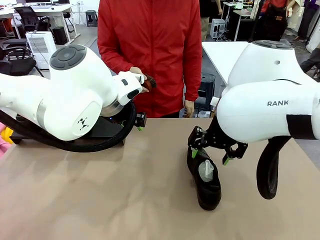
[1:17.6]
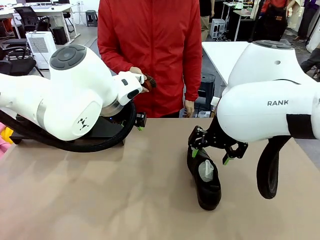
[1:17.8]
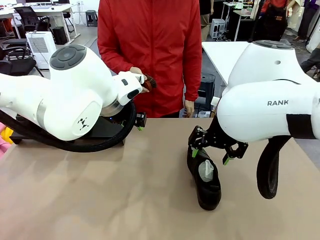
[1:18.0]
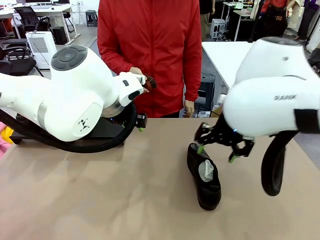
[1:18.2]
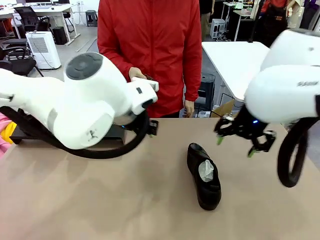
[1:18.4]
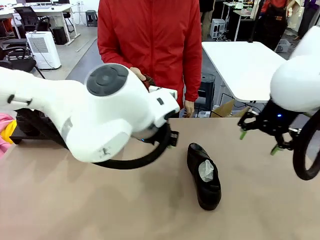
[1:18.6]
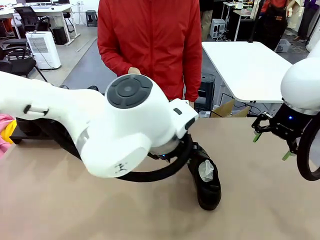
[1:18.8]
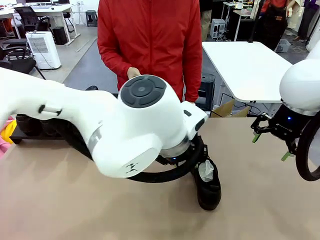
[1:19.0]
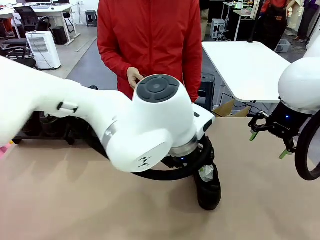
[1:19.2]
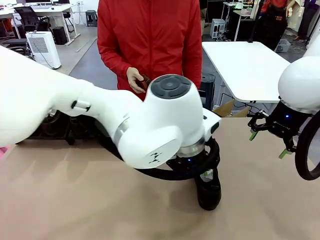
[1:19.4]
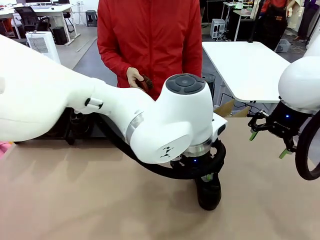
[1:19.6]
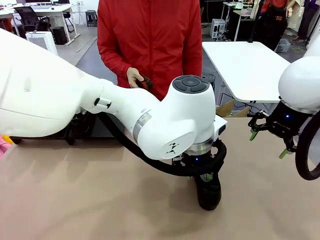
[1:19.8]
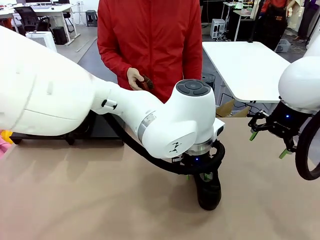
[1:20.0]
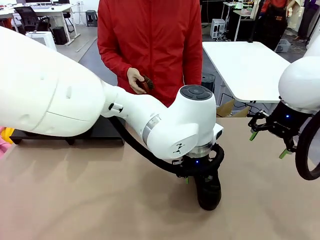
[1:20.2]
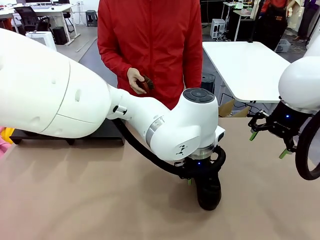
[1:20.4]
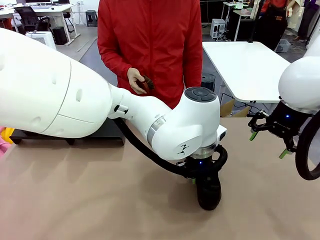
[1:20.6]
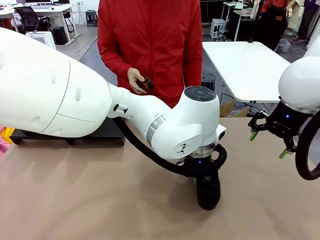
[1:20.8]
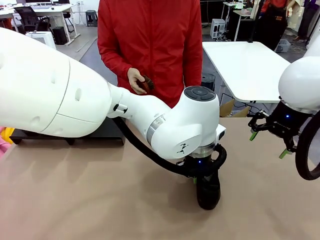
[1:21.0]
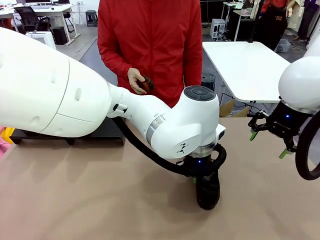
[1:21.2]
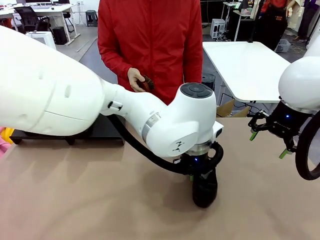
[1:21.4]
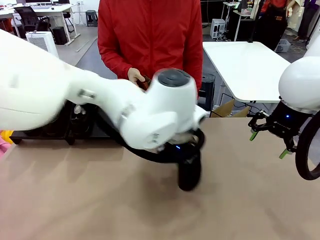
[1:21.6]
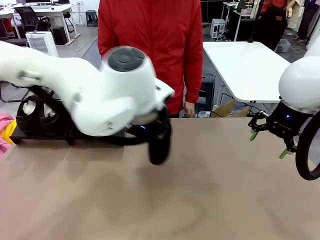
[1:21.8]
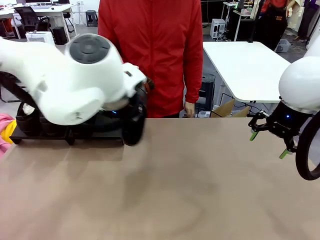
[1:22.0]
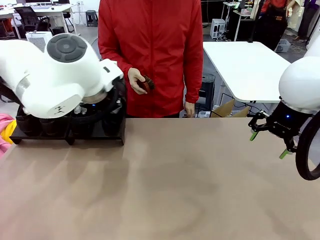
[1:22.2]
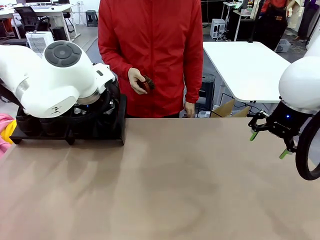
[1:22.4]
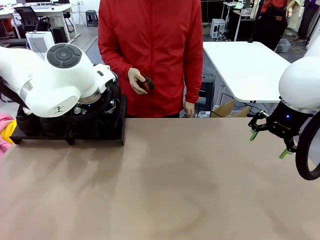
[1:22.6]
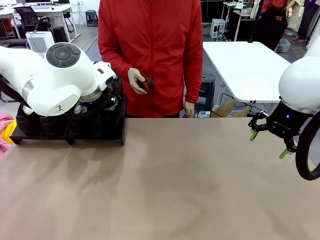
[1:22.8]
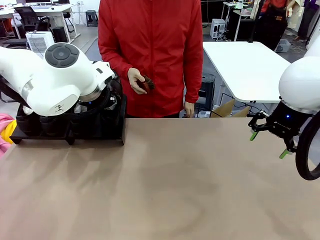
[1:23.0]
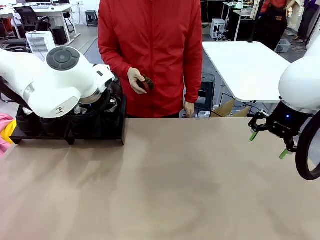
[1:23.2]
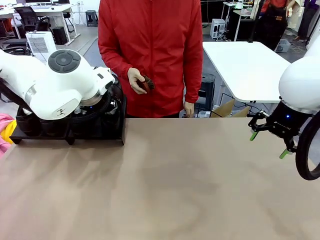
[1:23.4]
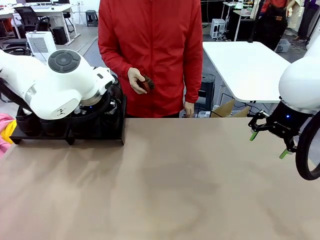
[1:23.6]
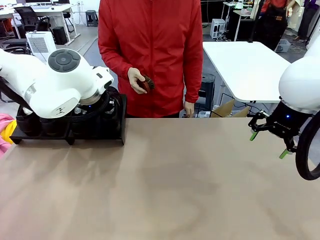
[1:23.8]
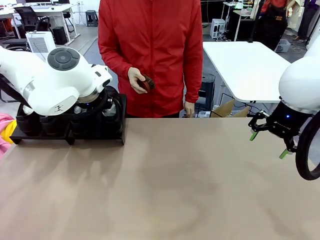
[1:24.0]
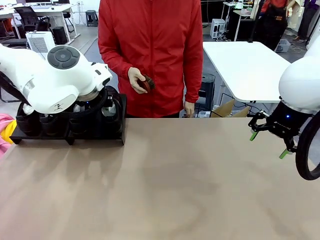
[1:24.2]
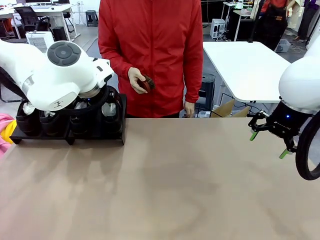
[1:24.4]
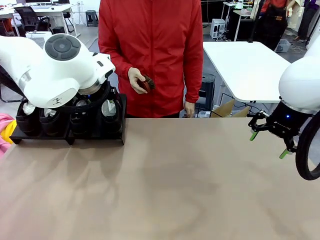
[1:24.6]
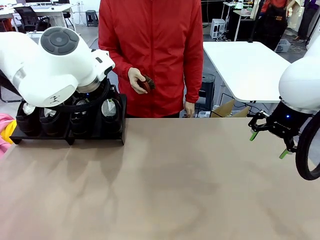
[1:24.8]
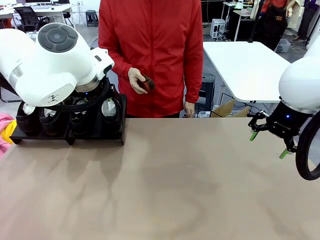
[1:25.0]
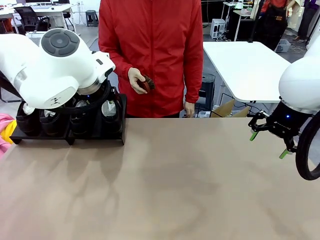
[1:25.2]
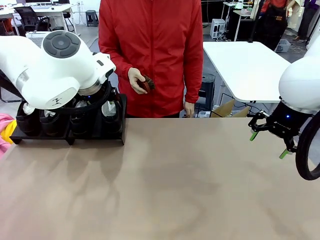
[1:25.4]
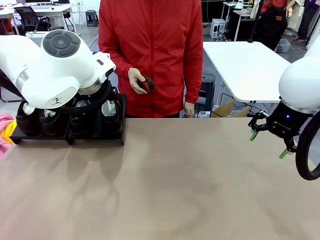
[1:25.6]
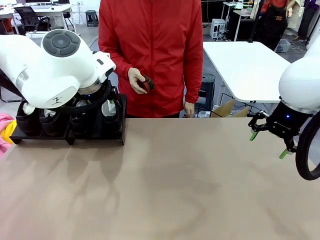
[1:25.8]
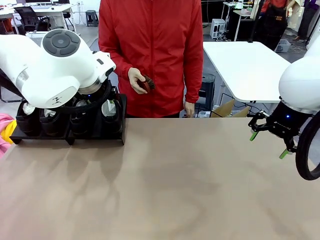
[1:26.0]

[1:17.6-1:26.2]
Task: Organize the shoes by placing them on the stand.
Robot: Place the Shoe from the middle of the table onto the Shoes Stand.

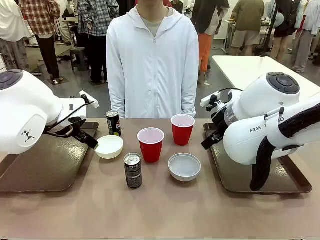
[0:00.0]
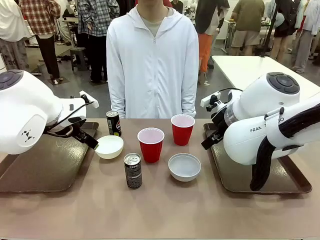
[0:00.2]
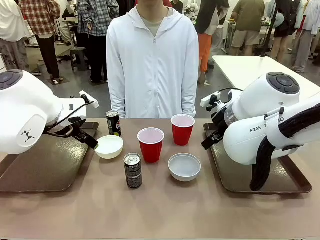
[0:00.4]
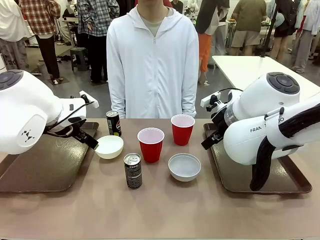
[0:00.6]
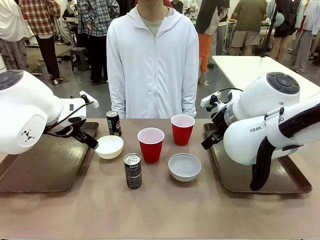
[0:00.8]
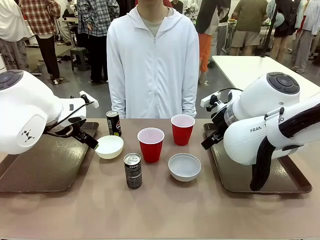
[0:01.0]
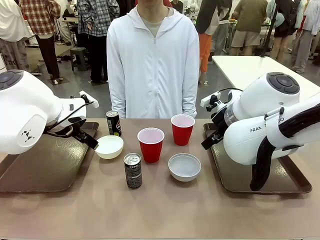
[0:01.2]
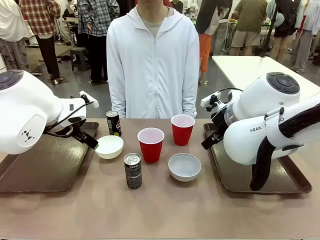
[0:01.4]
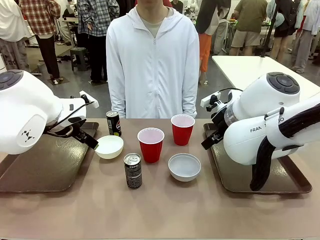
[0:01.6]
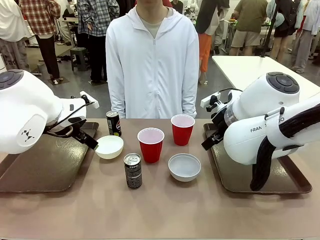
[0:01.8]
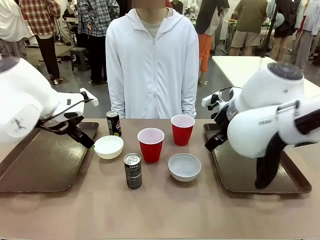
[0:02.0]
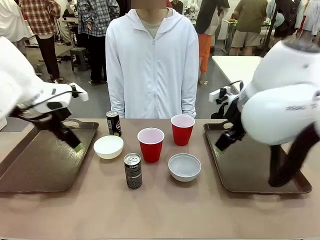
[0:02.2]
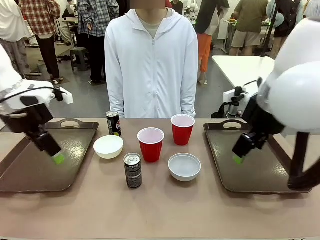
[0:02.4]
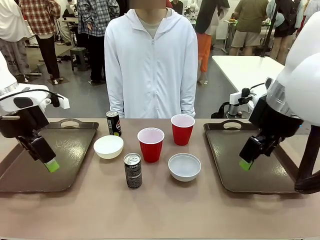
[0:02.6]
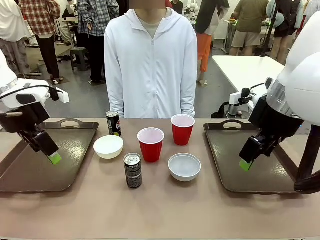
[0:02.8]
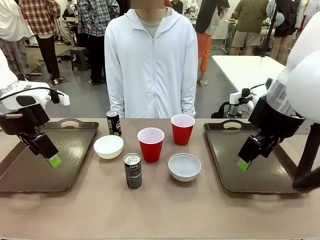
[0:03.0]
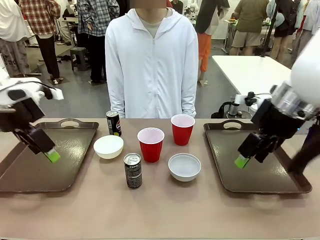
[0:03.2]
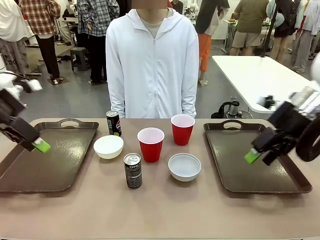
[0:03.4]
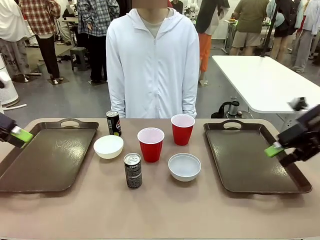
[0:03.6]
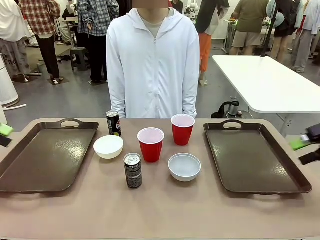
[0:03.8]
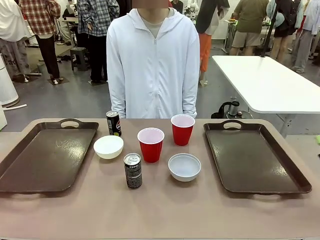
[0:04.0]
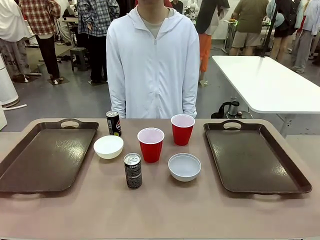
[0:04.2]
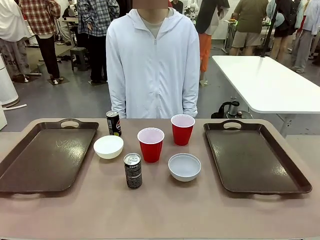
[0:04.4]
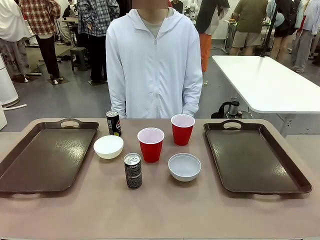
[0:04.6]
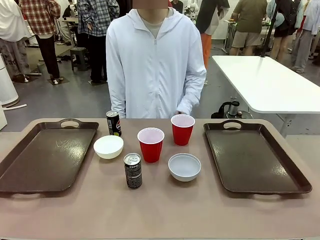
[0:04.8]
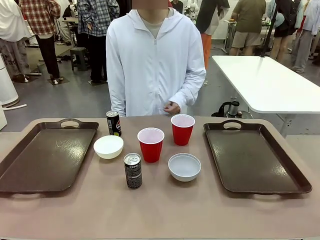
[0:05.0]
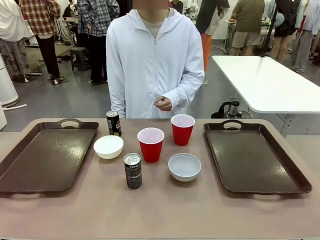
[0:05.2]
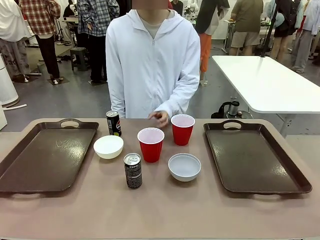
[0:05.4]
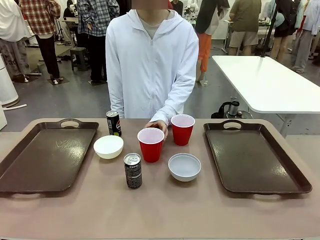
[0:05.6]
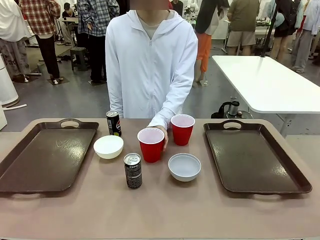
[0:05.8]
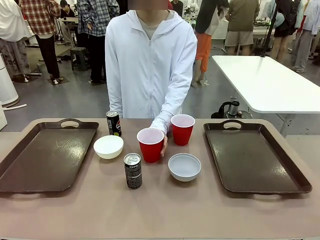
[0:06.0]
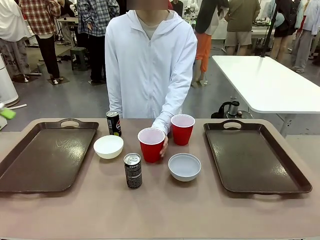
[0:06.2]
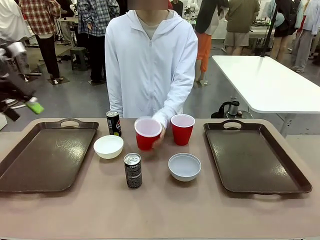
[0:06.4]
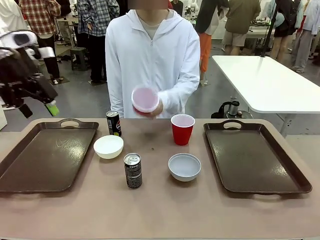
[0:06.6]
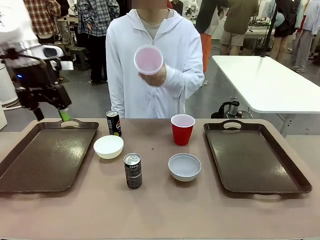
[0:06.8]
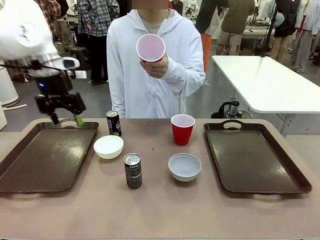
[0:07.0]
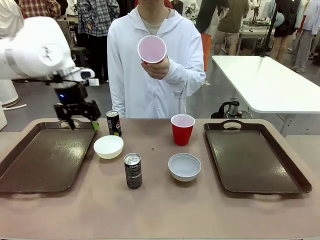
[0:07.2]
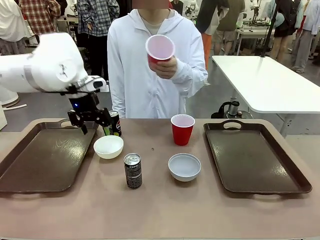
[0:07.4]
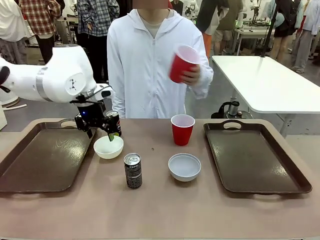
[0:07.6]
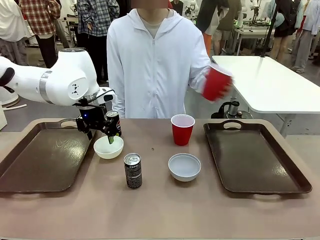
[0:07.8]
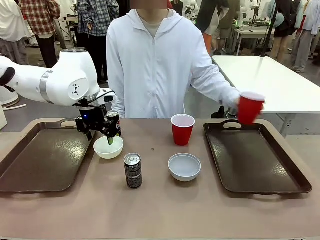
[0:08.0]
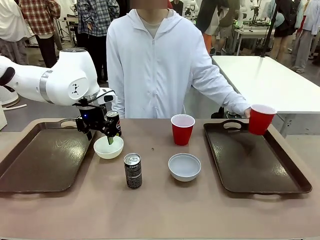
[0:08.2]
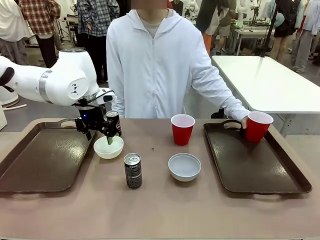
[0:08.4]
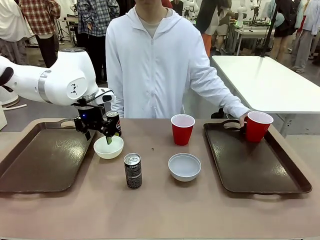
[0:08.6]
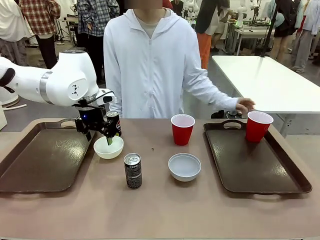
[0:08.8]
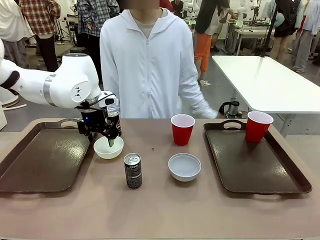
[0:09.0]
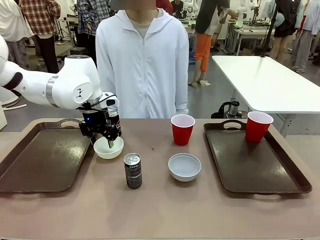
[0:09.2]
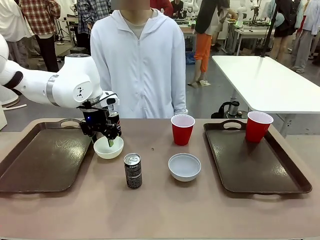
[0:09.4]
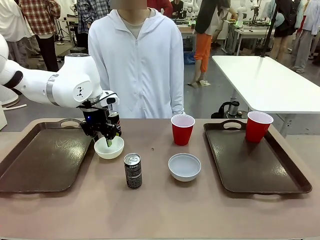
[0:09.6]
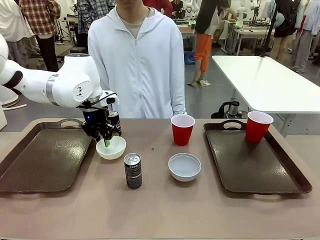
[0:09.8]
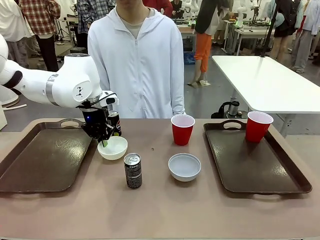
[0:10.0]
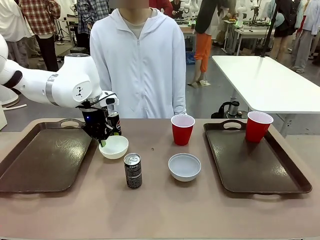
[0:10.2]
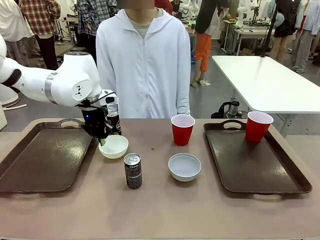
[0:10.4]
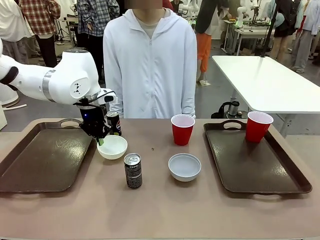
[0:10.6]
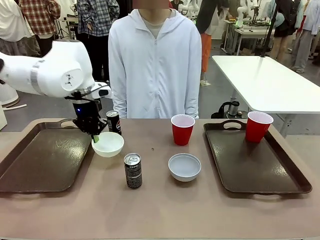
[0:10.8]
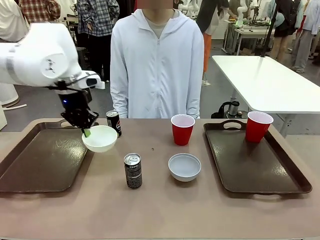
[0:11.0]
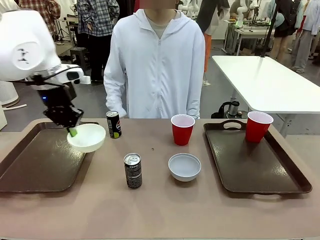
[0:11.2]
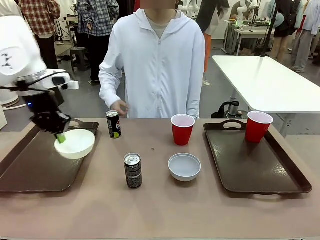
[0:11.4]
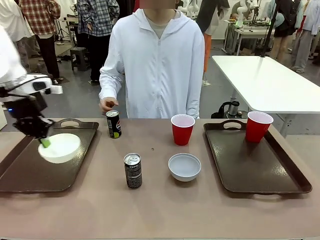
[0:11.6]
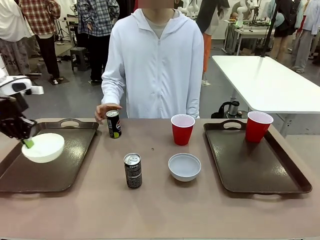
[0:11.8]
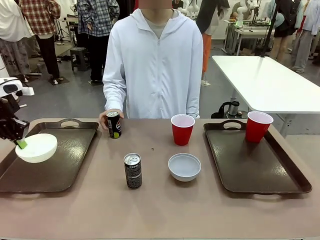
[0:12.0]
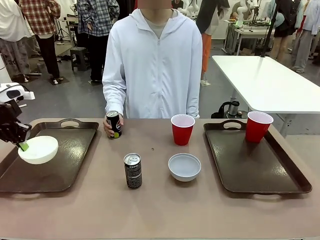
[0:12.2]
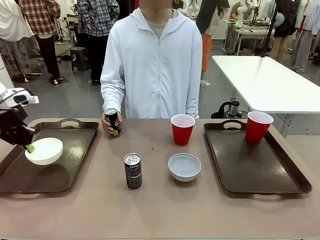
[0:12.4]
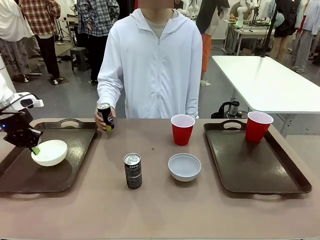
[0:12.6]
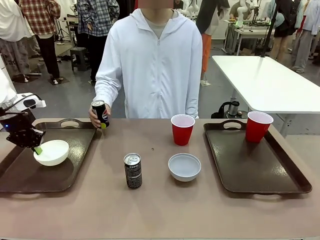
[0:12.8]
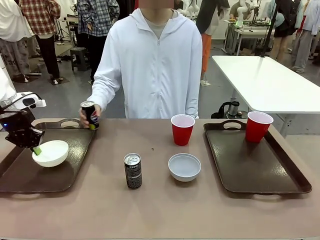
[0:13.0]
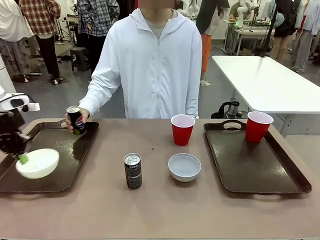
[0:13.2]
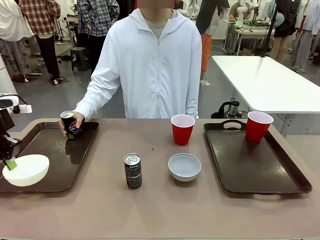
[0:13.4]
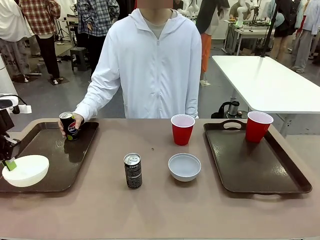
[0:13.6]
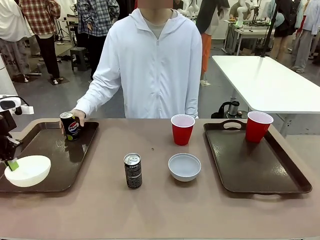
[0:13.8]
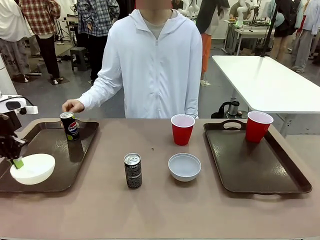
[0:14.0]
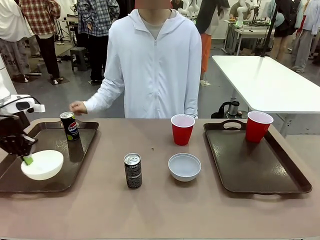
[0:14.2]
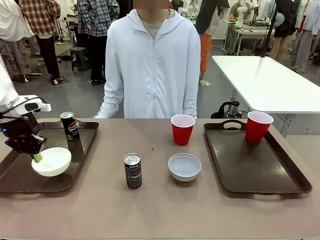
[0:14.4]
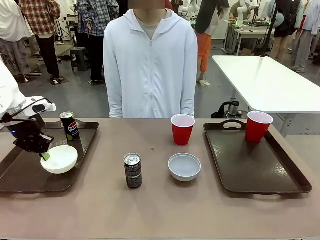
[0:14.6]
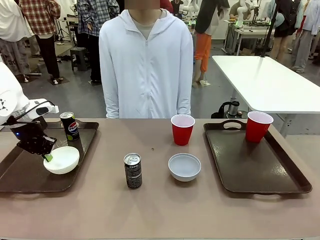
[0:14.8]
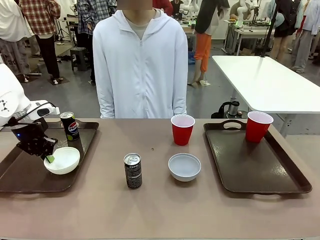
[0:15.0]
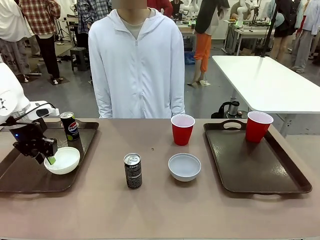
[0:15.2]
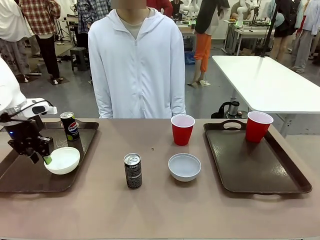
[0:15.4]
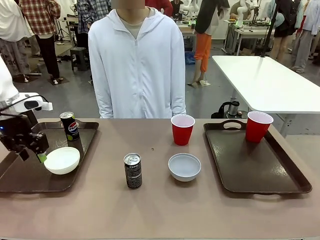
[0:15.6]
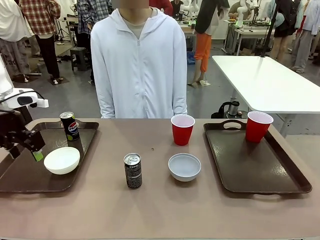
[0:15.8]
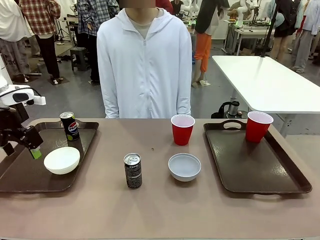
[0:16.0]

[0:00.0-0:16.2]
Task: Prepare tableware on both trays.
Robot: Pick up a Picnic Bowl from the table and place it on a Handle tray.
Person: Pick up a can or cup and place it on the tray.
